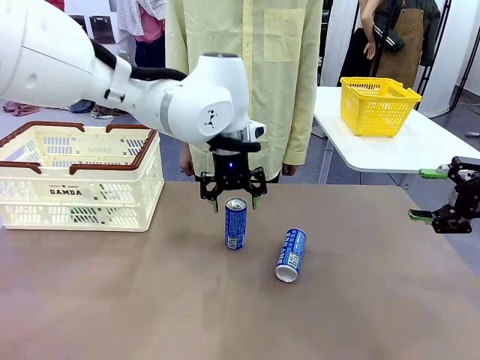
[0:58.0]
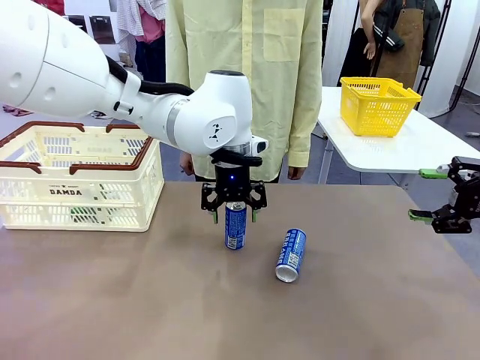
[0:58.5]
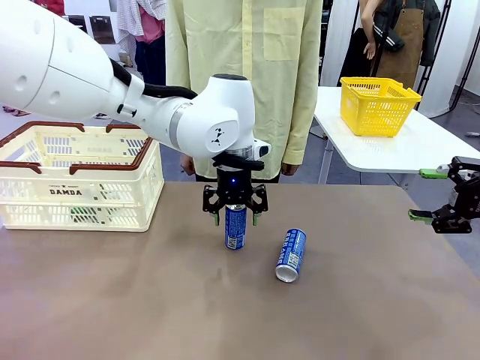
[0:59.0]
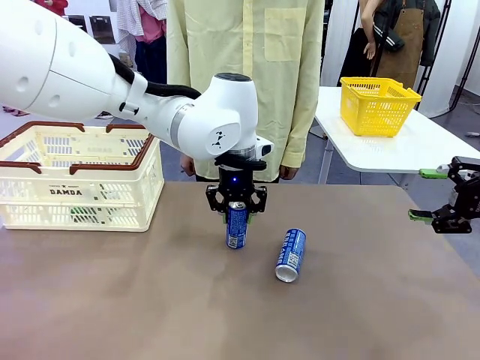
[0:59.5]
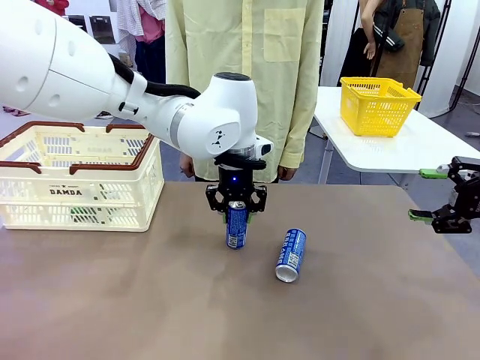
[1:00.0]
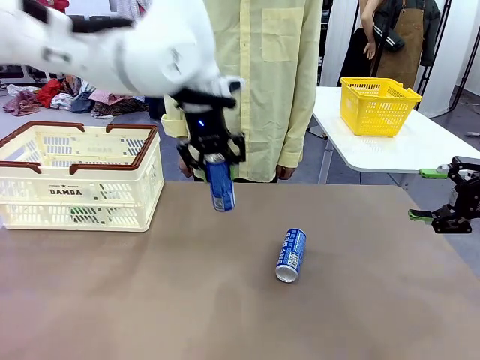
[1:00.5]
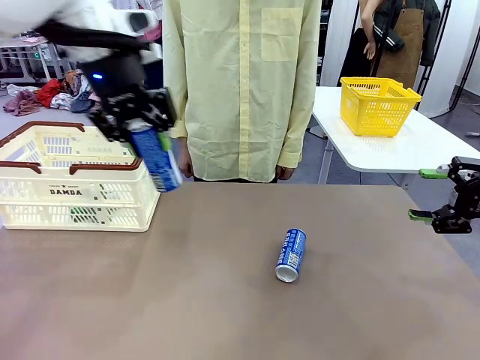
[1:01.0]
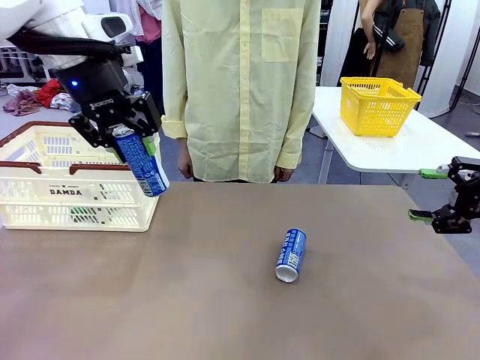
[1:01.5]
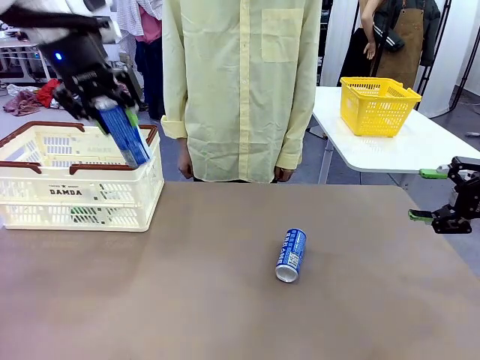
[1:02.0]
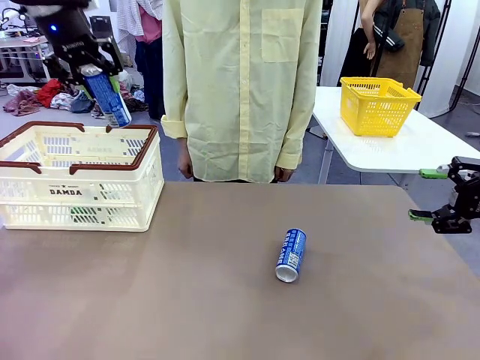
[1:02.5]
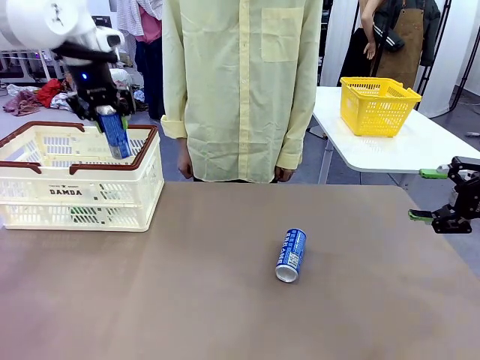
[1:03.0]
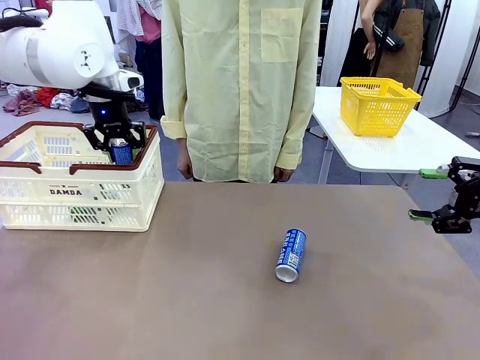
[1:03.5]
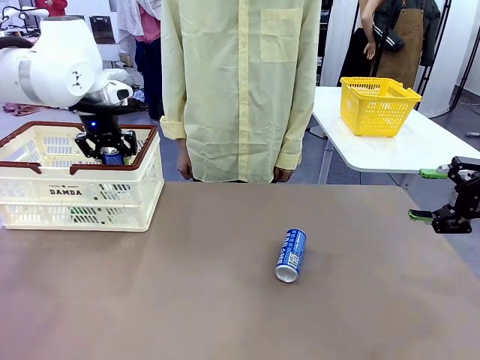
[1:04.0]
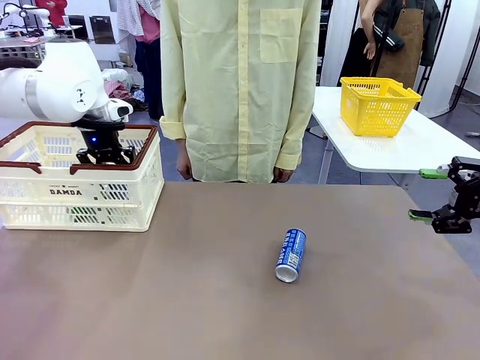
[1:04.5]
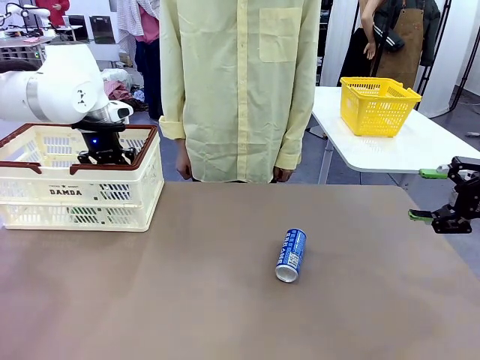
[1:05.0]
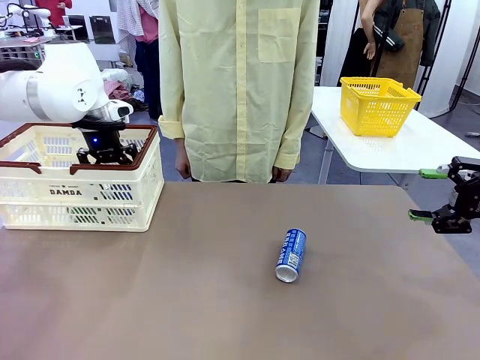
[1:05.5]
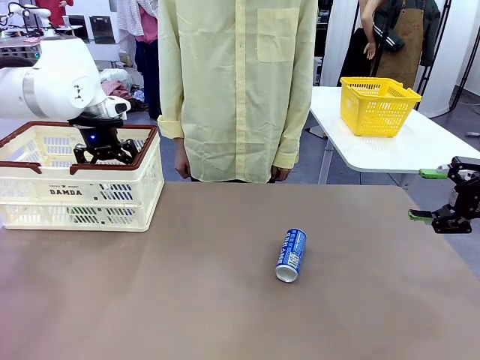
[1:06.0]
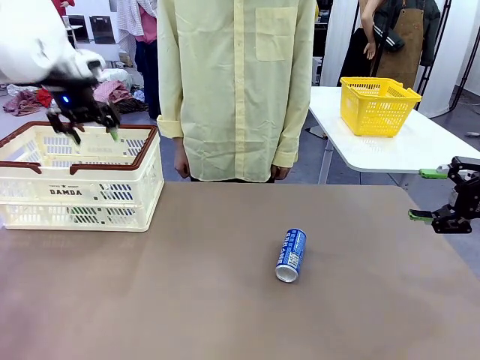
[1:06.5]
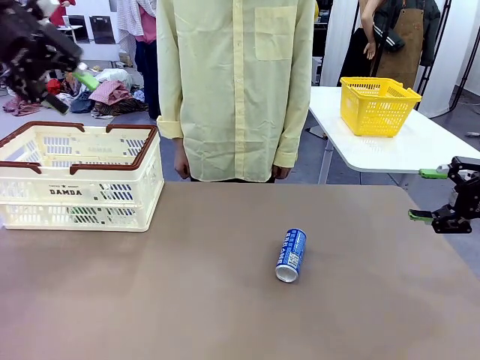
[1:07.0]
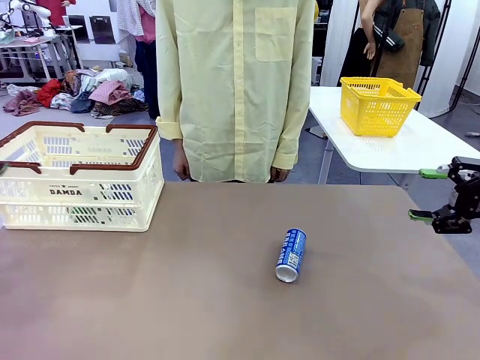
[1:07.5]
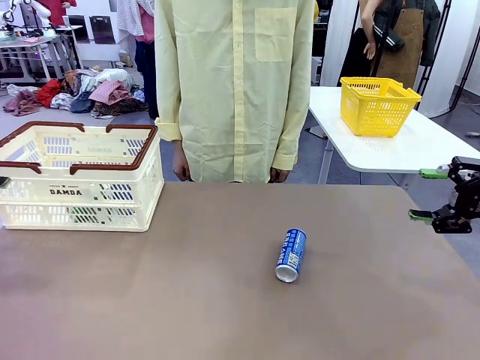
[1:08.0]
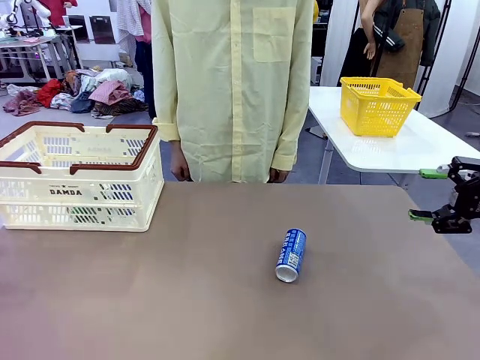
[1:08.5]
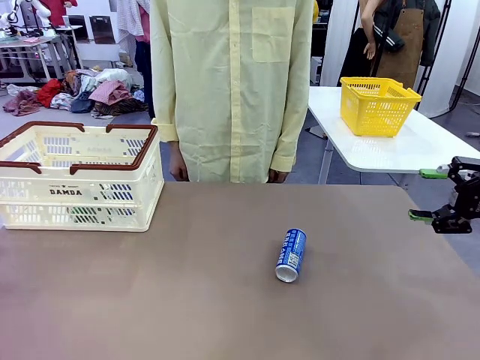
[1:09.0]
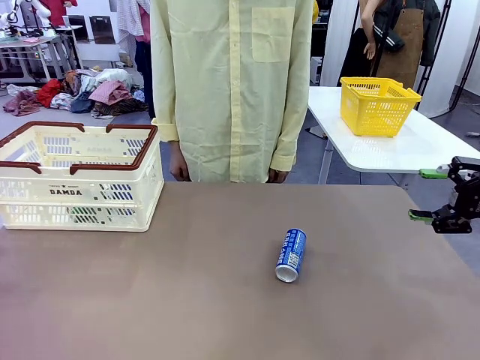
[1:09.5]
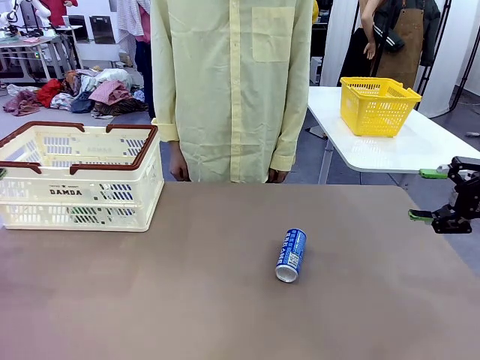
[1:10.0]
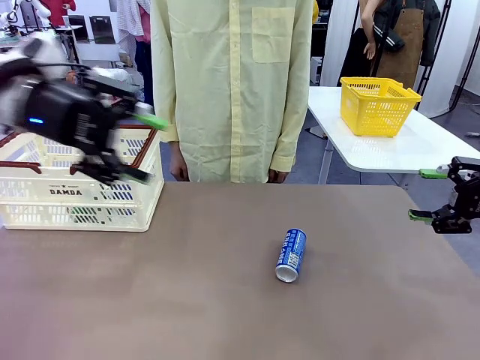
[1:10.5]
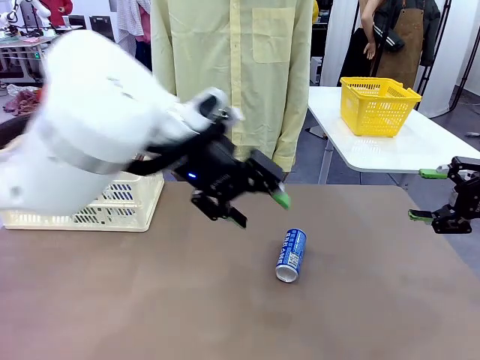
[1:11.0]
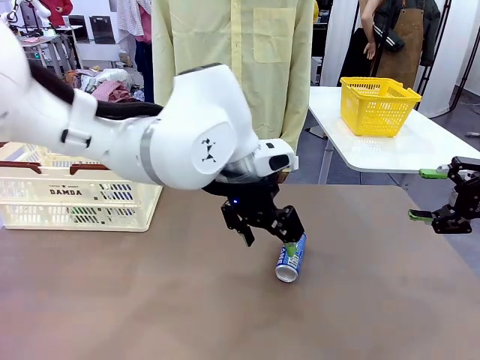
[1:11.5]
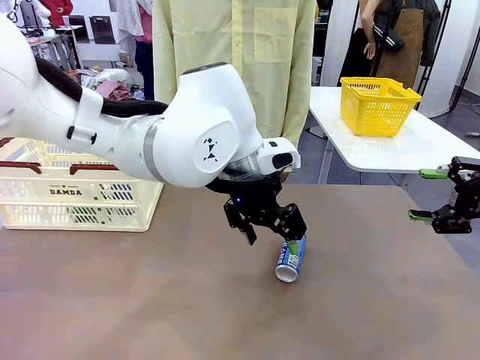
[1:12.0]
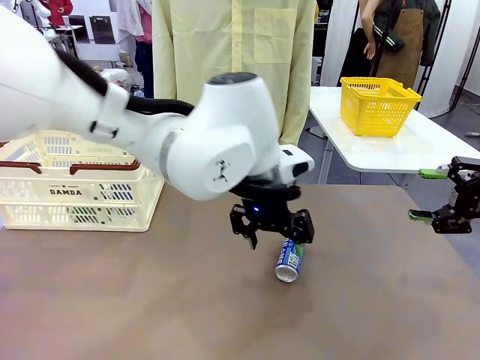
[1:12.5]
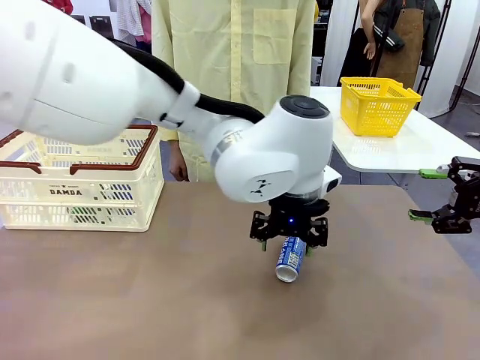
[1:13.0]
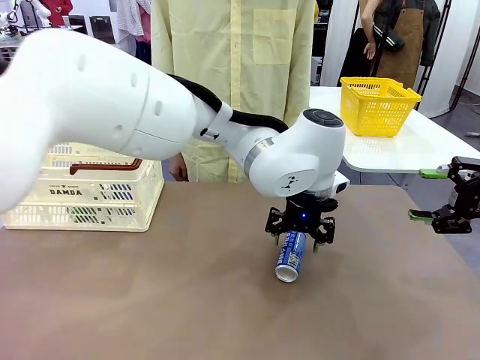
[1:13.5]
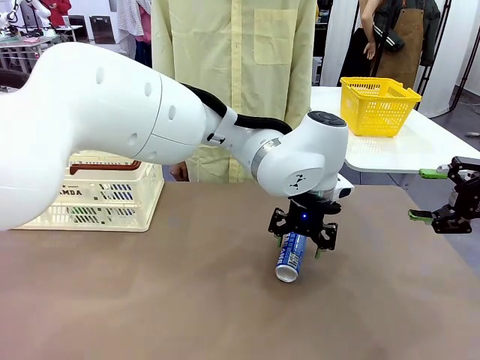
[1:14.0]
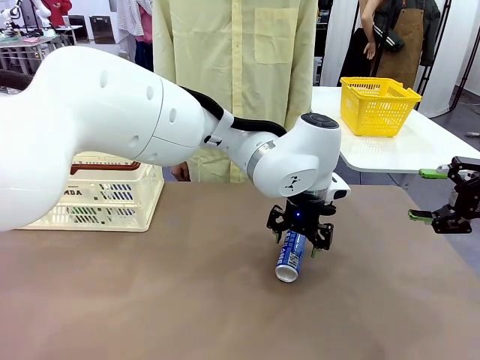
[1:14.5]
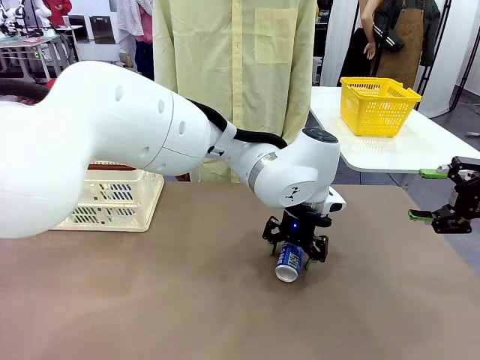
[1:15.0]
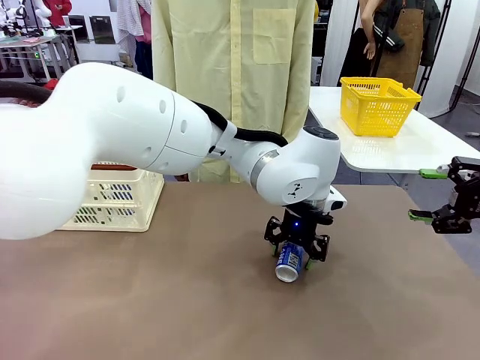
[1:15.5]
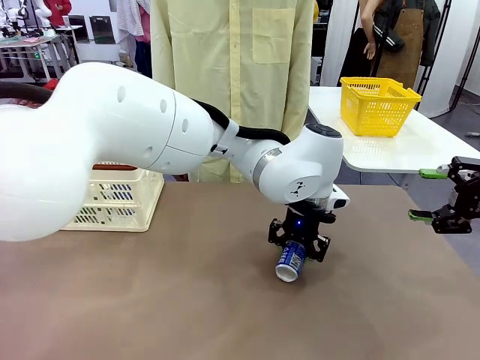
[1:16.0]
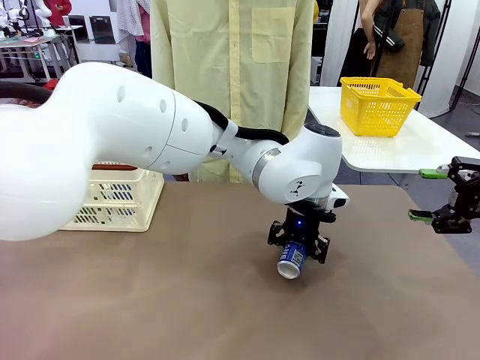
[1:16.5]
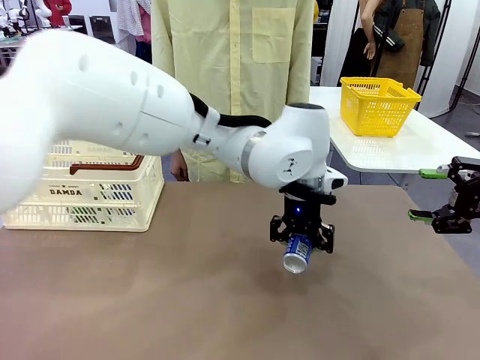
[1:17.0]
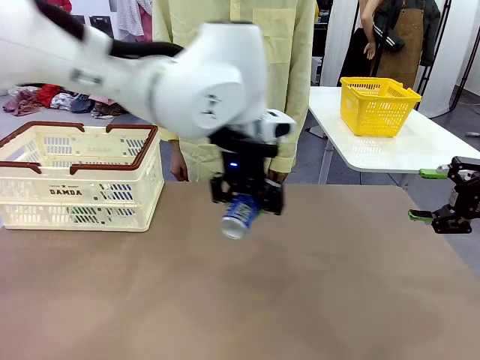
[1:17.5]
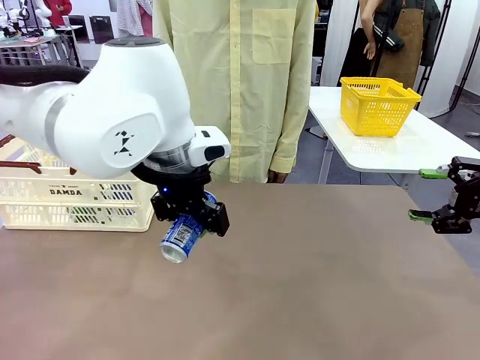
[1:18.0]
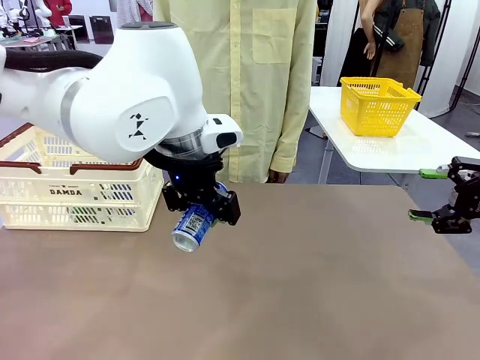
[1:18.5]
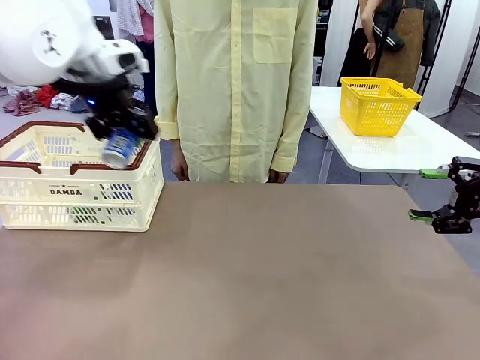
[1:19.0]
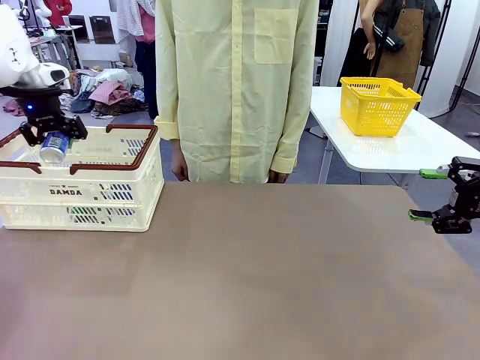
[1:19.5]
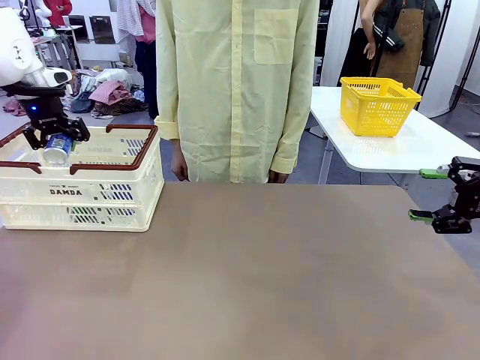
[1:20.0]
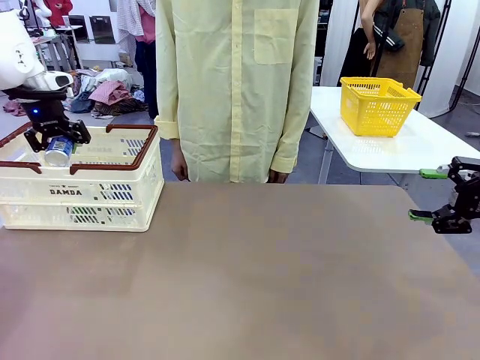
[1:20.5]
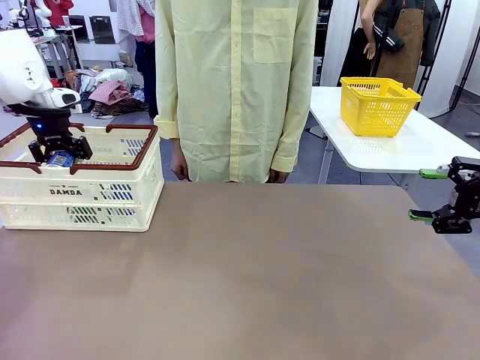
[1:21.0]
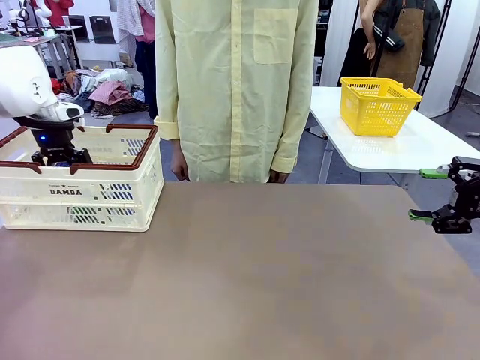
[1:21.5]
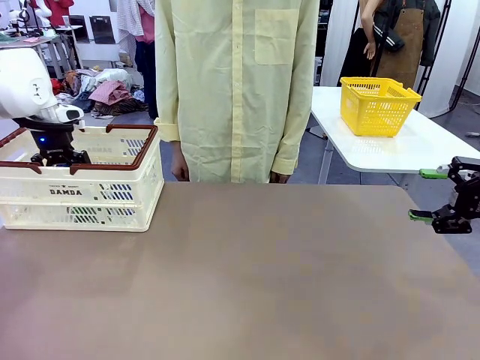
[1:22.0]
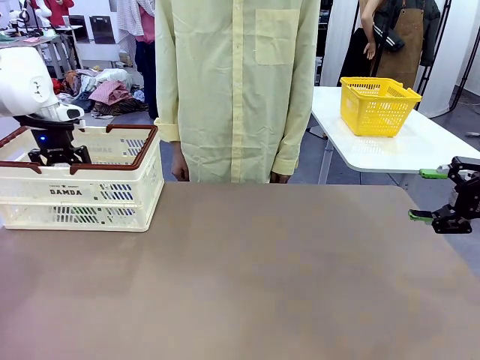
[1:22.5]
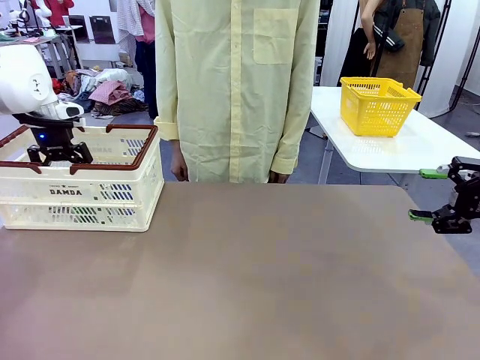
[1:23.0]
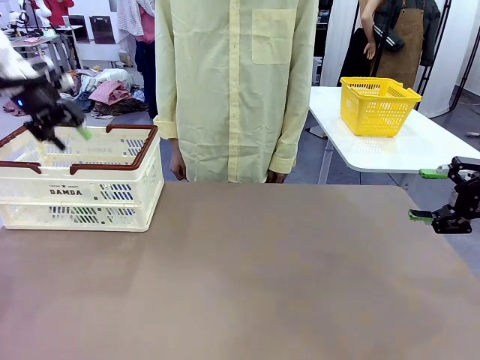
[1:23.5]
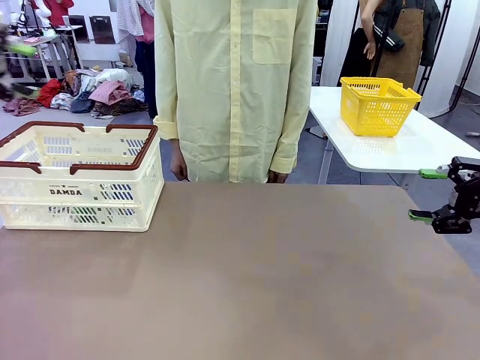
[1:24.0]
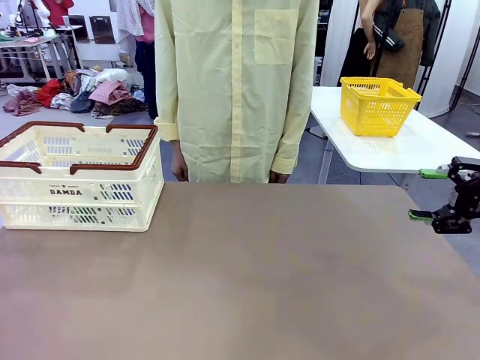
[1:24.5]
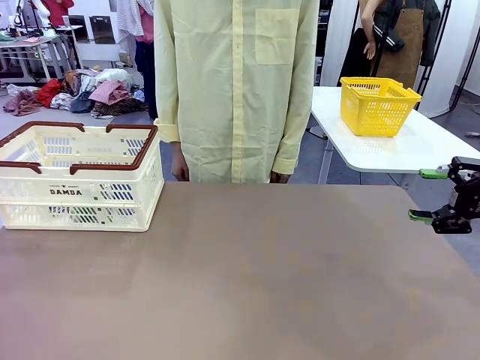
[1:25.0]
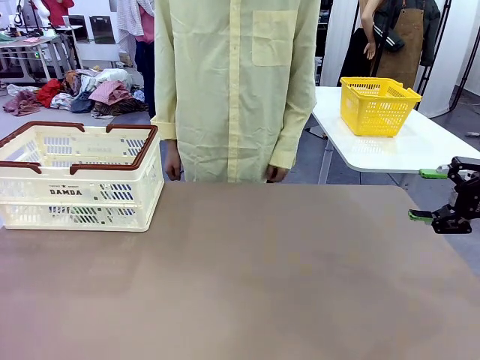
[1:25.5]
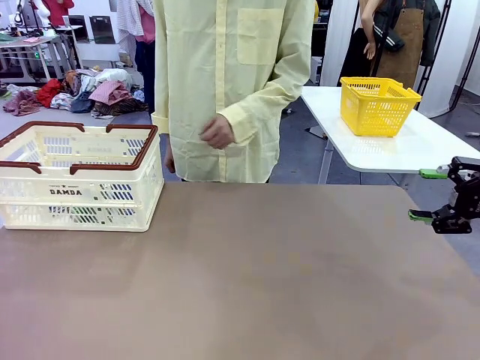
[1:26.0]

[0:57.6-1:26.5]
Task: Place the drinks into the Shopping basket.
Robot: Pick up one drink and place it into the Shopping basket.
